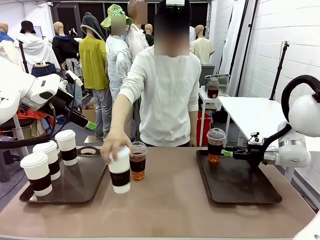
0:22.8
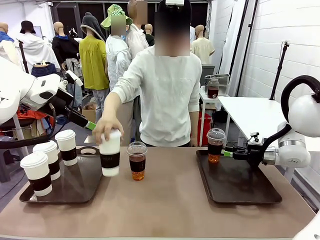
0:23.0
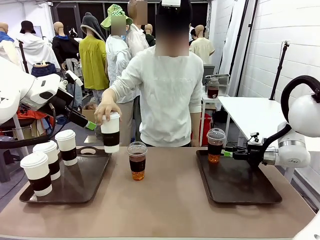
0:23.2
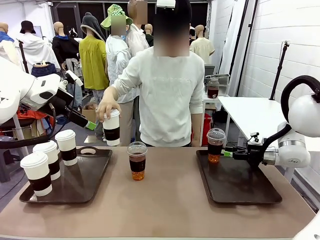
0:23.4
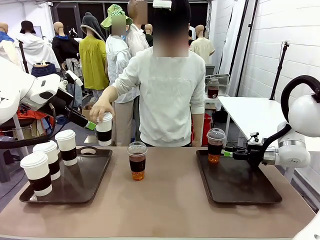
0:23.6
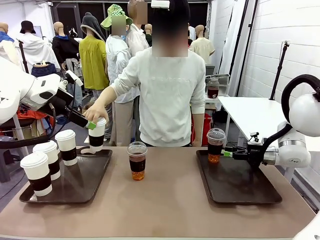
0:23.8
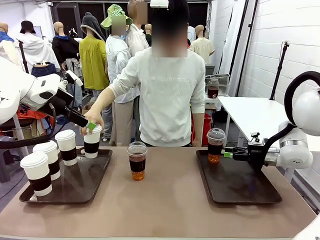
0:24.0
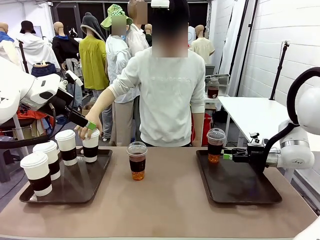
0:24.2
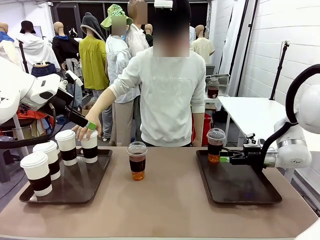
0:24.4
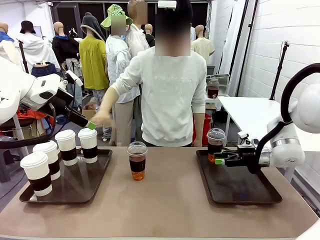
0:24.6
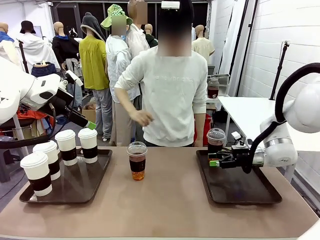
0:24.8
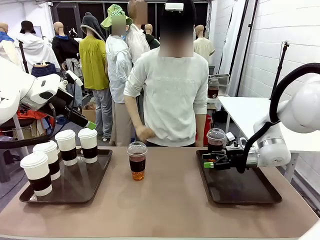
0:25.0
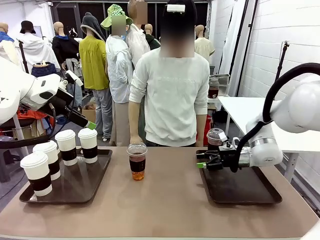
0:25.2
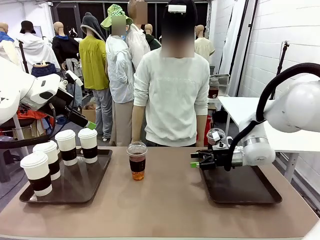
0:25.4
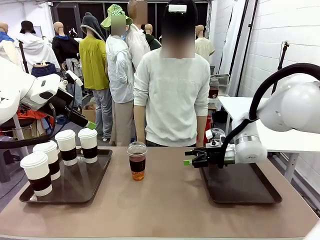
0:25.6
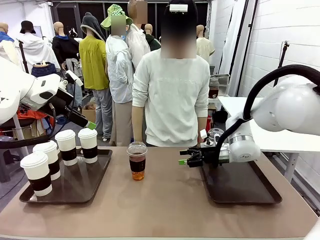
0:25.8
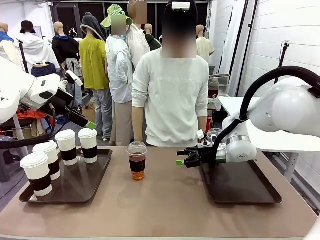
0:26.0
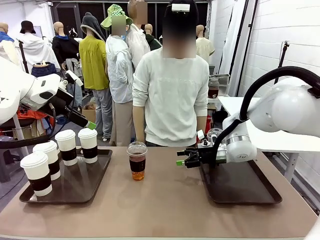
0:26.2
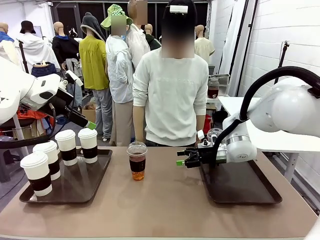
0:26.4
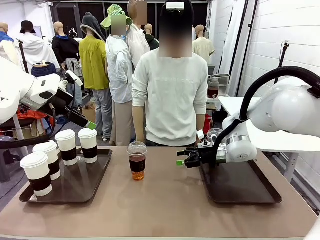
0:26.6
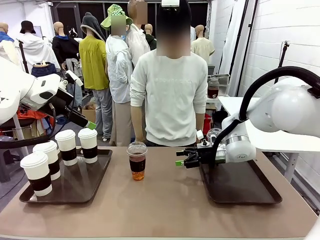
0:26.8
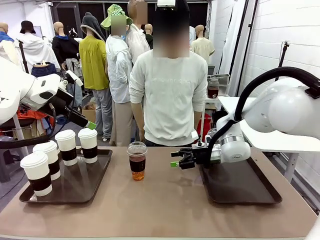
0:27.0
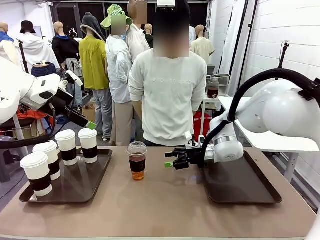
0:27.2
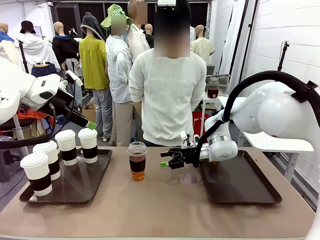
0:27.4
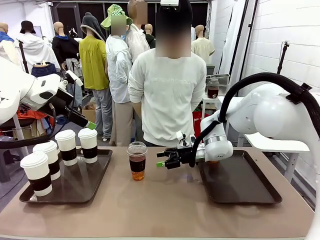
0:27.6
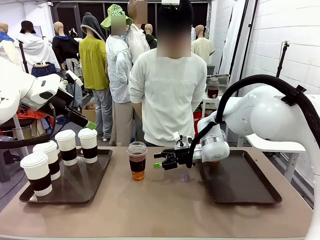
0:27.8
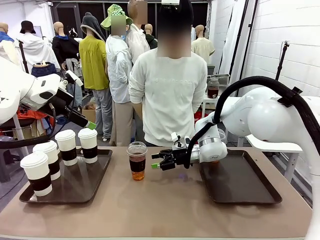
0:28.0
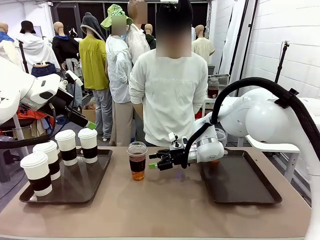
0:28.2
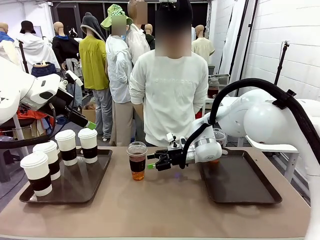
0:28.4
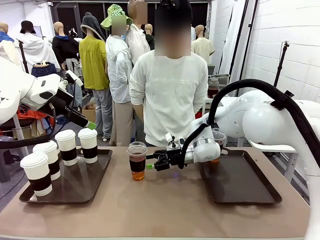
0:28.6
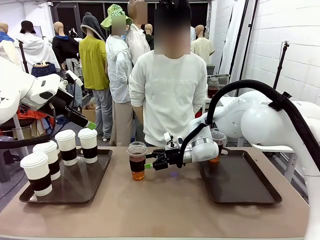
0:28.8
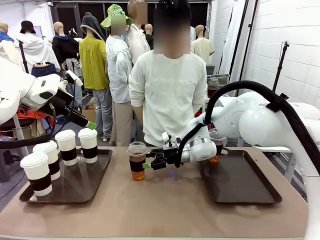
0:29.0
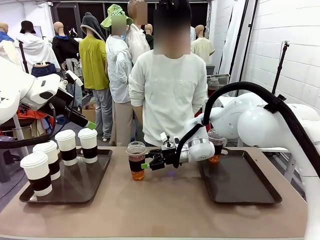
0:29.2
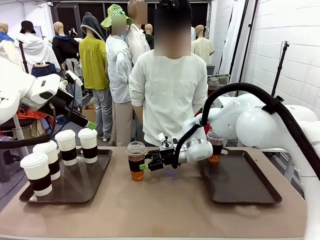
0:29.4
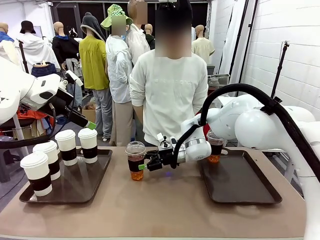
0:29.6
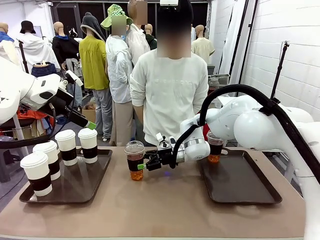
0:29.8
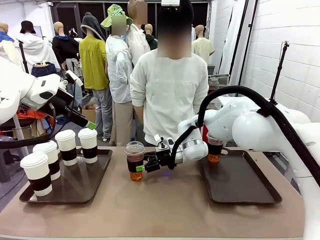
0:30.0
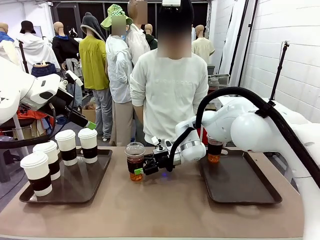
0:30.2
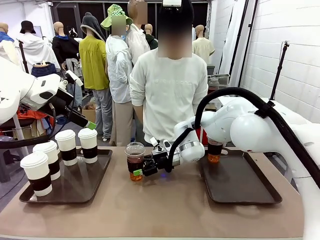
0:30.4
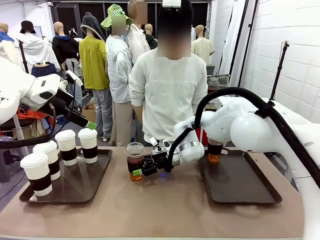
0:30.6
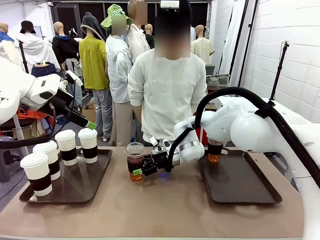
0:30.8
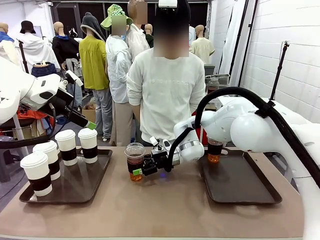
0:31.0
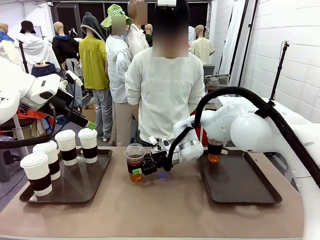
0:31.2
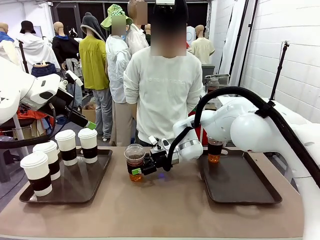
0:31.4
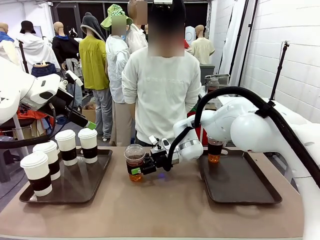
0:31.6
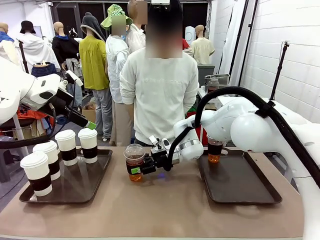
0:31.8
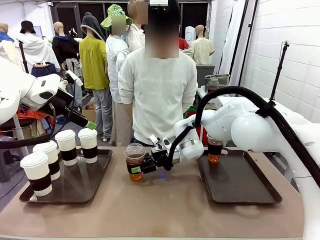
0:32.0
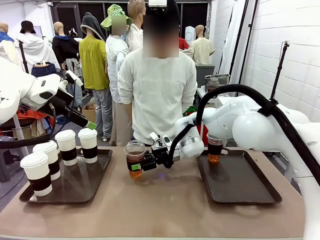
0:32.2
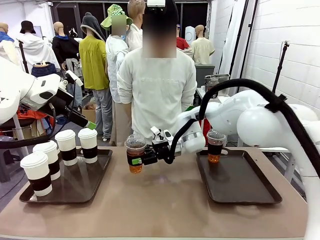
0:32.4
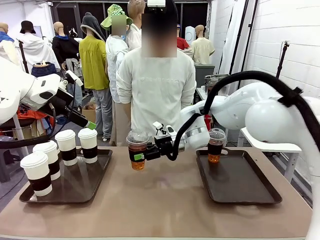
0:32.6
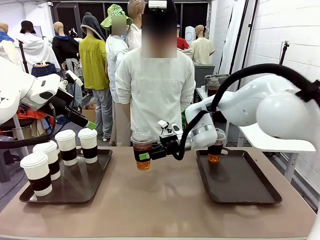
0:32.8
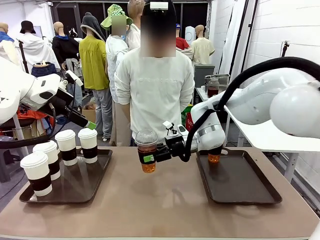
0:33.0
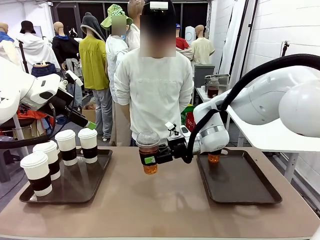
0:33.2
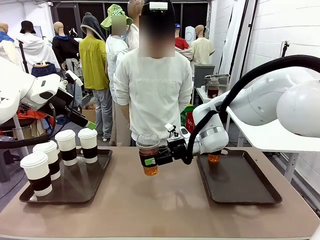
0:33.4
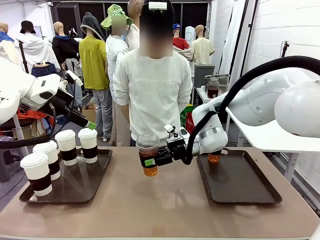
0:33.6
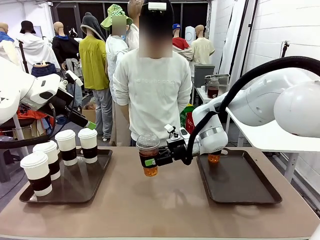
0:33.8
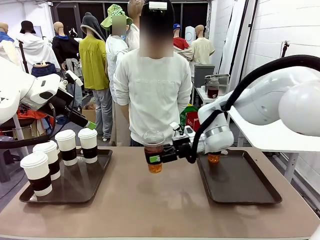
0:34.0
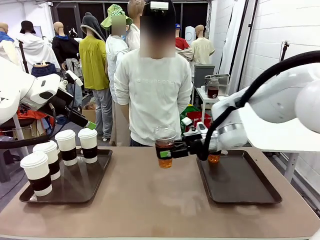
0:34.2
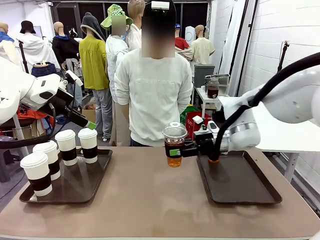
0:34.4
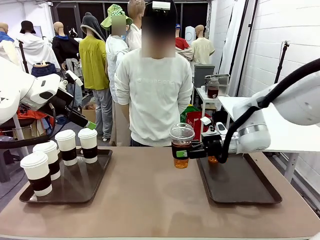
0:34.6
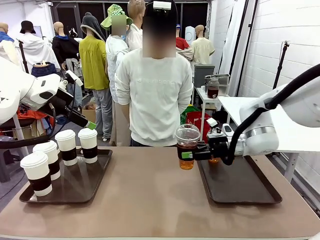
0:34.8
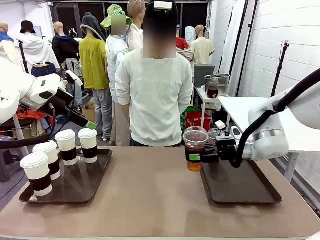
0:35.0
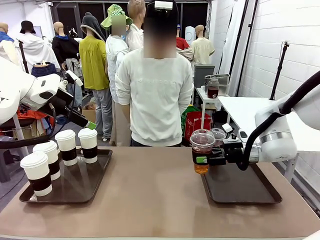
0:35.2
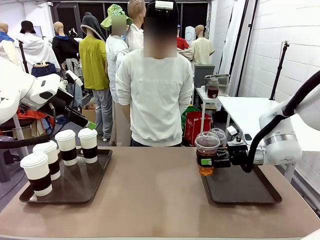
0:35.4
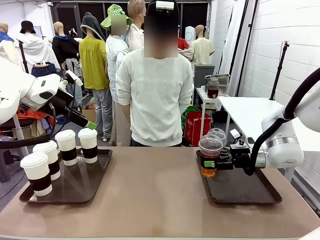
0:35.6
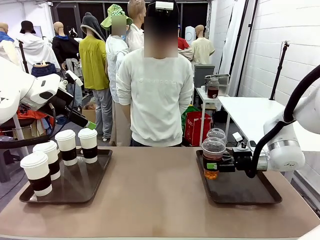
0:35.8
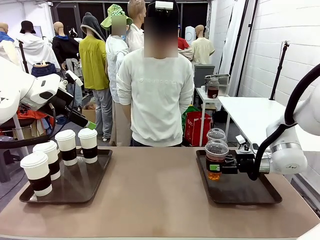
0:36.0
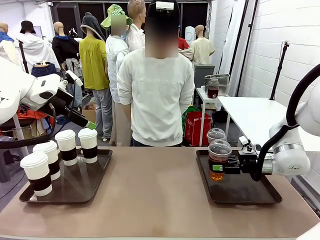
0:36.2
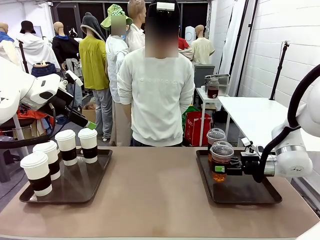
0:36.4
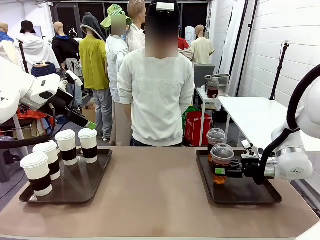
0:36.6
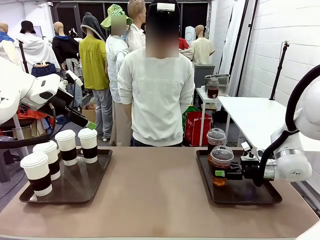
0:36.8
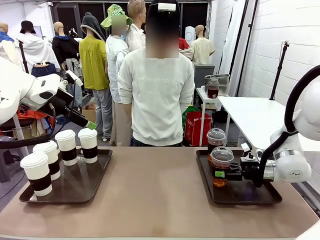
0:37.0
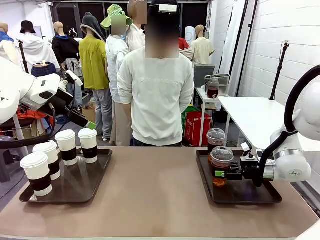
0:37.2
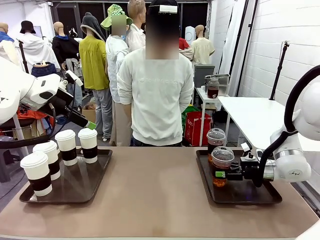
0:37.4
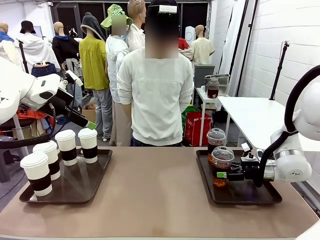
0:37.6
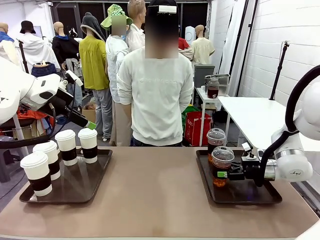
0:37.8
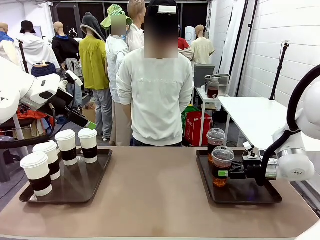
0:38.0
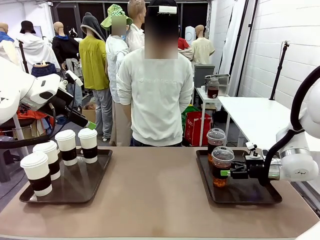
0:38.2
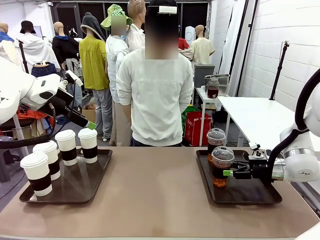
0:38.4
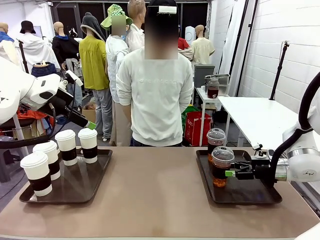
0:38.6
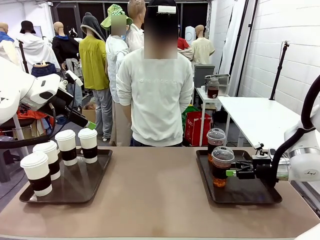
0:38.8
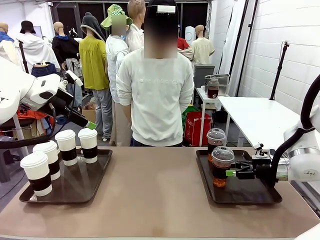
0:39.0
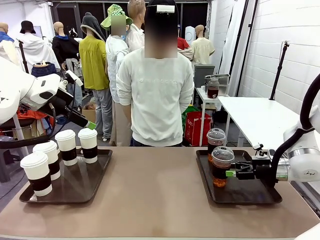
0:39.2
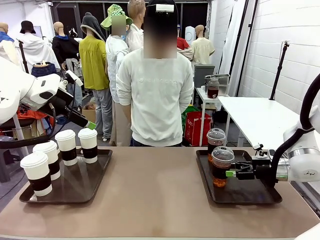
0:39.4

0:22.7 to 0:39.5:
Task: Distribute the coffee onto the tray.
Robot: Pick up another iced Americano from the middle of the table and place it on the right Handle tray.
Person: Pick up a cup of hot Americano from the middle of the table and place it on the right tray.
